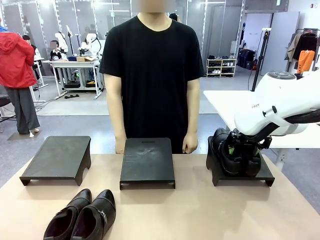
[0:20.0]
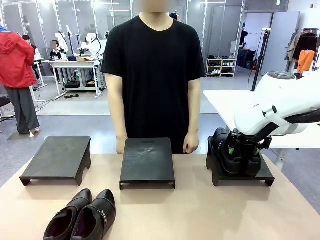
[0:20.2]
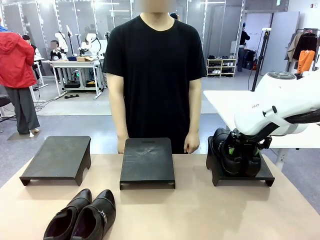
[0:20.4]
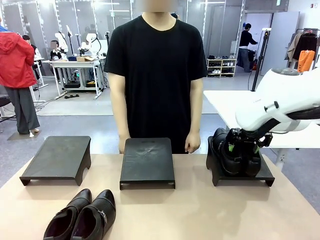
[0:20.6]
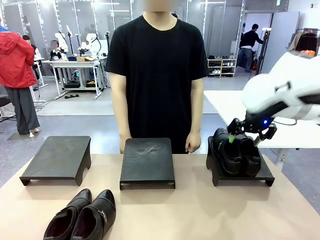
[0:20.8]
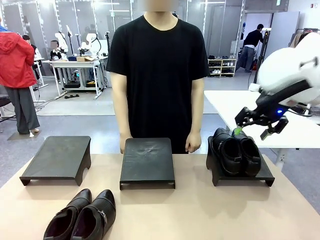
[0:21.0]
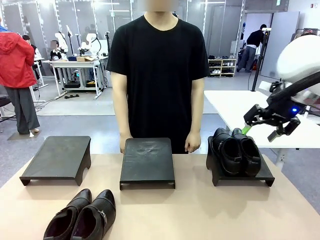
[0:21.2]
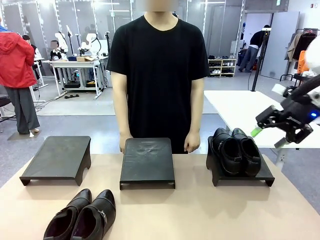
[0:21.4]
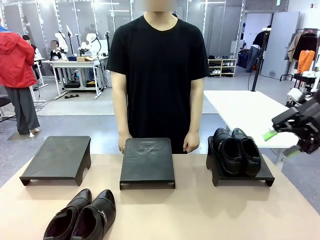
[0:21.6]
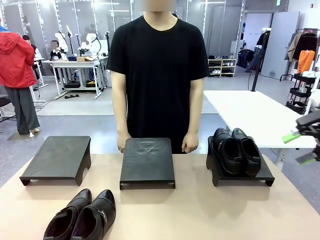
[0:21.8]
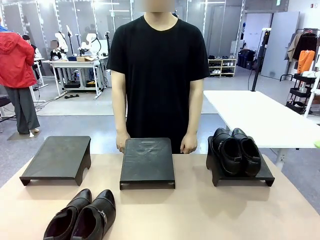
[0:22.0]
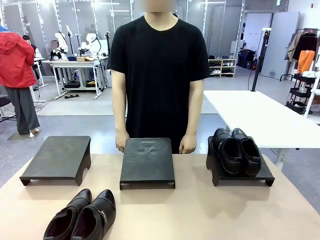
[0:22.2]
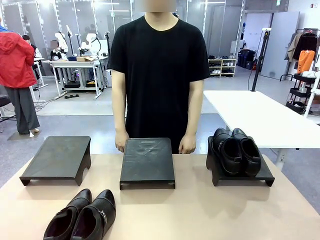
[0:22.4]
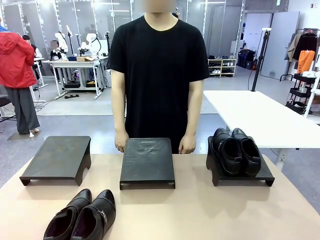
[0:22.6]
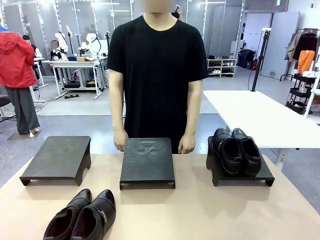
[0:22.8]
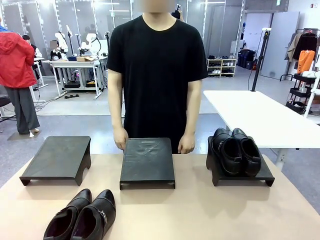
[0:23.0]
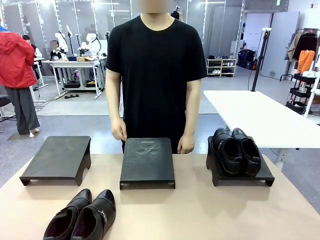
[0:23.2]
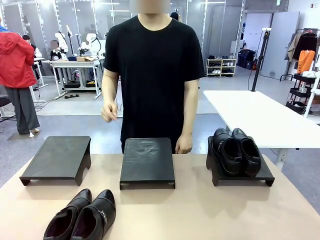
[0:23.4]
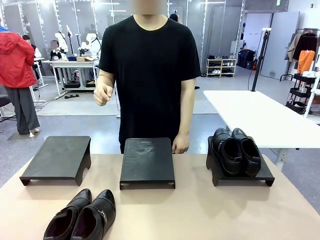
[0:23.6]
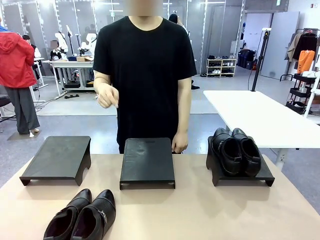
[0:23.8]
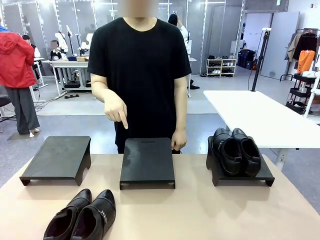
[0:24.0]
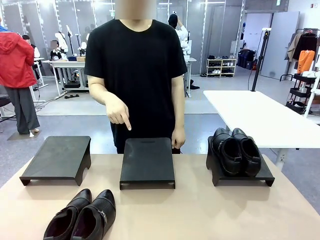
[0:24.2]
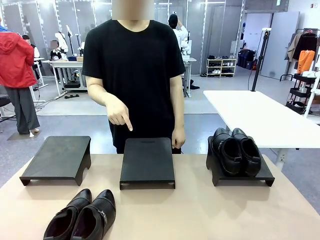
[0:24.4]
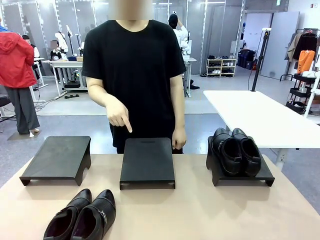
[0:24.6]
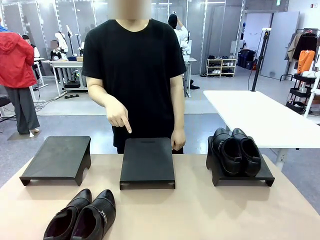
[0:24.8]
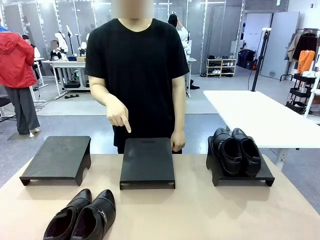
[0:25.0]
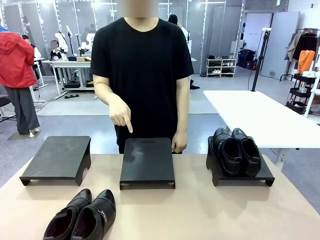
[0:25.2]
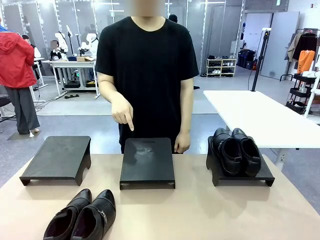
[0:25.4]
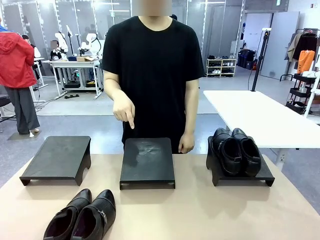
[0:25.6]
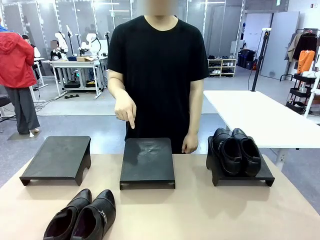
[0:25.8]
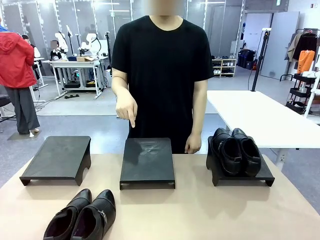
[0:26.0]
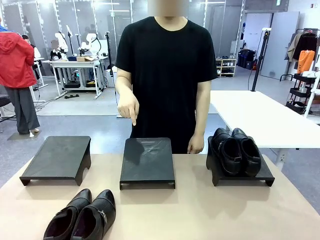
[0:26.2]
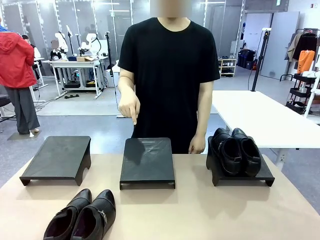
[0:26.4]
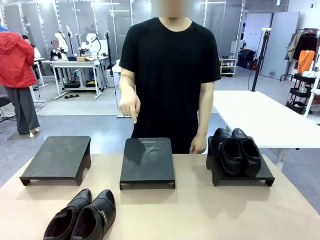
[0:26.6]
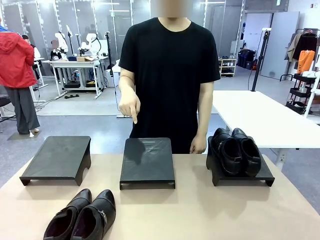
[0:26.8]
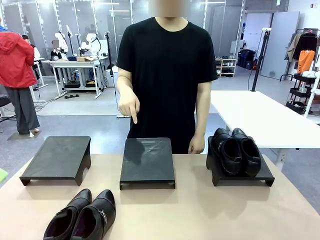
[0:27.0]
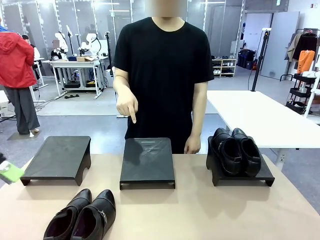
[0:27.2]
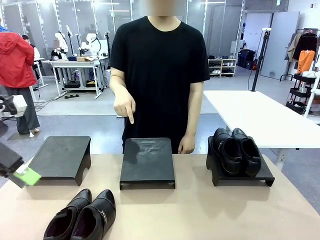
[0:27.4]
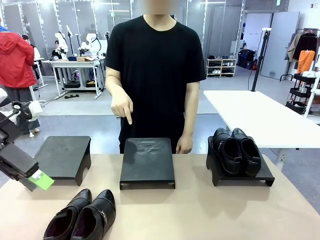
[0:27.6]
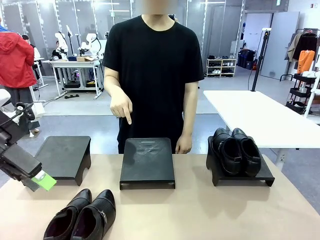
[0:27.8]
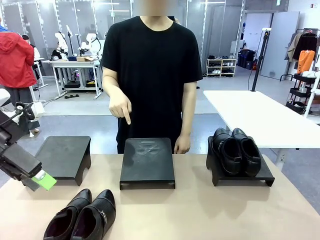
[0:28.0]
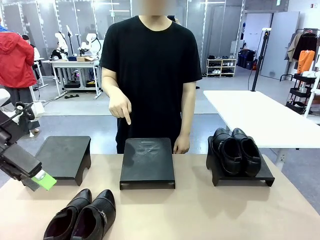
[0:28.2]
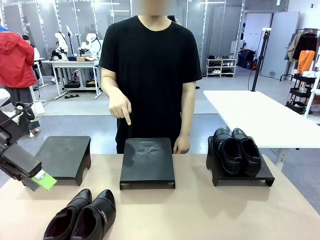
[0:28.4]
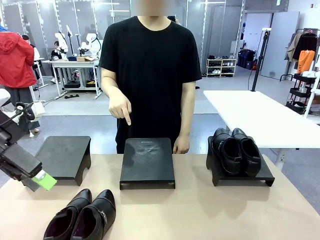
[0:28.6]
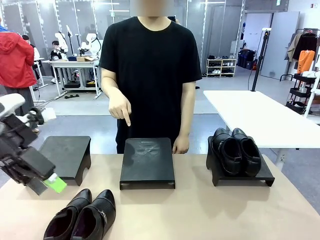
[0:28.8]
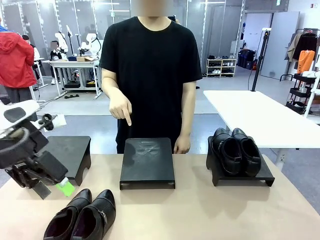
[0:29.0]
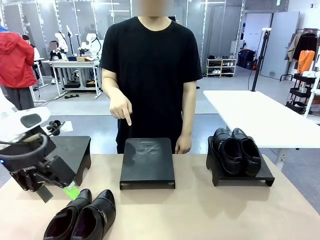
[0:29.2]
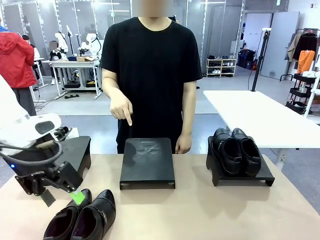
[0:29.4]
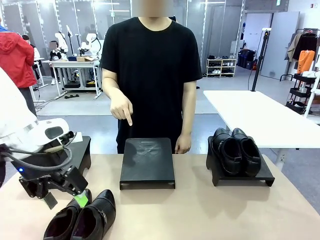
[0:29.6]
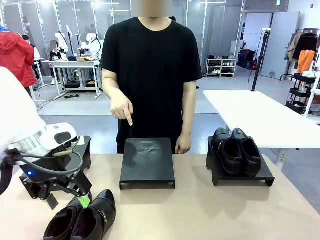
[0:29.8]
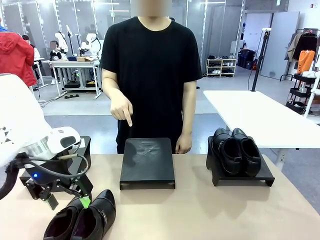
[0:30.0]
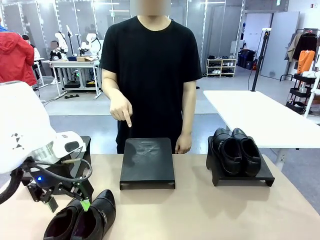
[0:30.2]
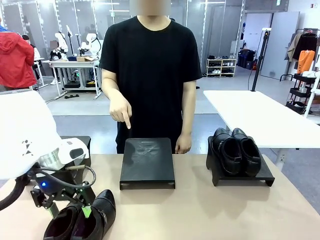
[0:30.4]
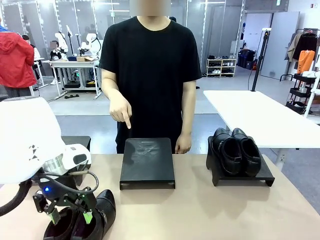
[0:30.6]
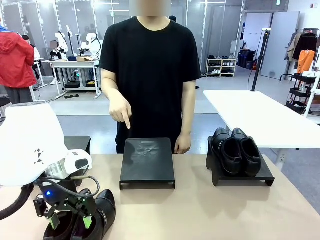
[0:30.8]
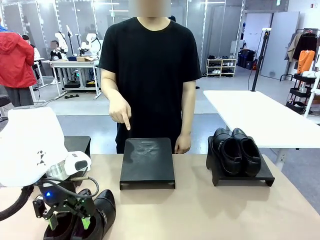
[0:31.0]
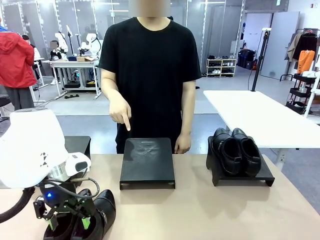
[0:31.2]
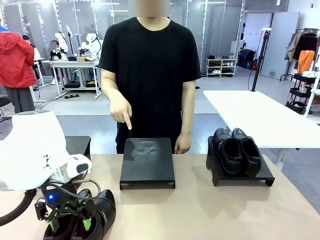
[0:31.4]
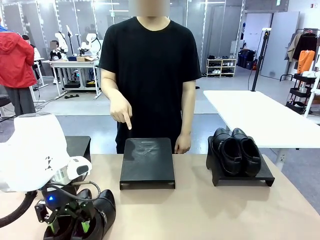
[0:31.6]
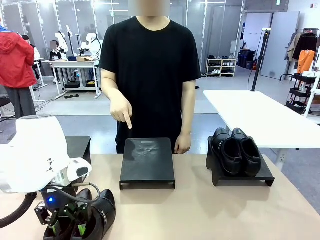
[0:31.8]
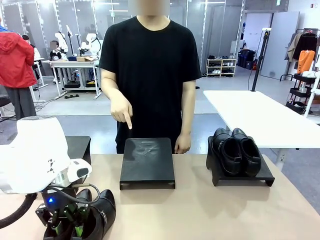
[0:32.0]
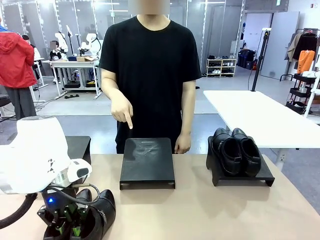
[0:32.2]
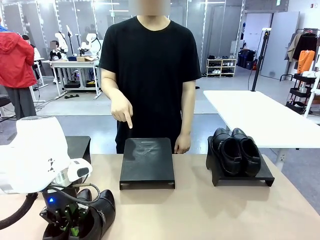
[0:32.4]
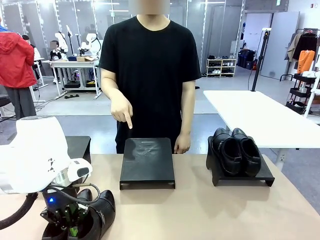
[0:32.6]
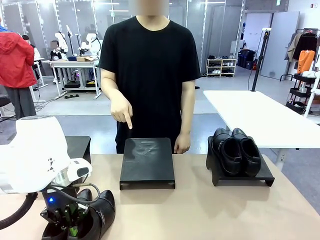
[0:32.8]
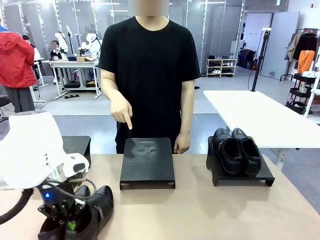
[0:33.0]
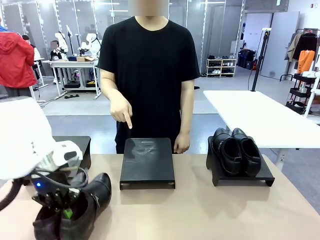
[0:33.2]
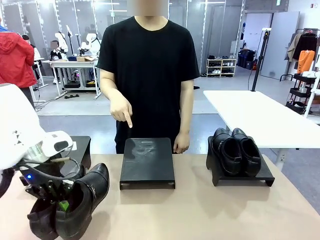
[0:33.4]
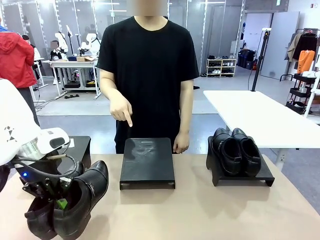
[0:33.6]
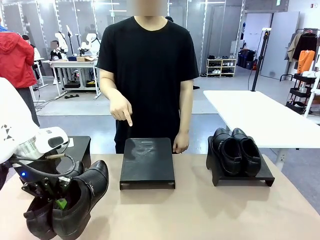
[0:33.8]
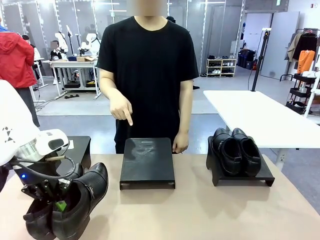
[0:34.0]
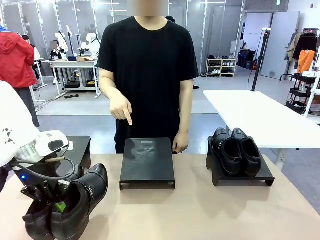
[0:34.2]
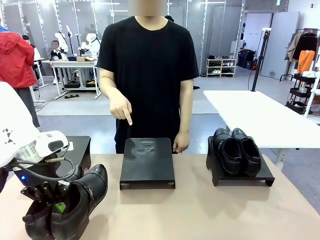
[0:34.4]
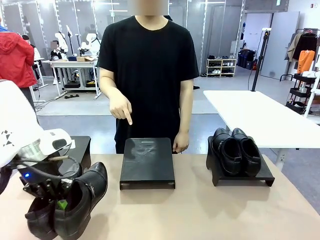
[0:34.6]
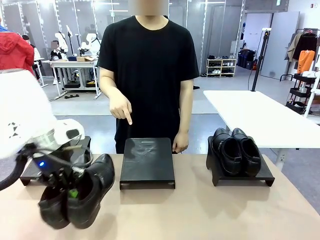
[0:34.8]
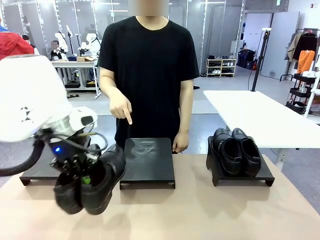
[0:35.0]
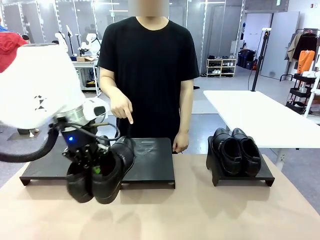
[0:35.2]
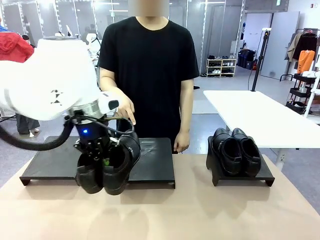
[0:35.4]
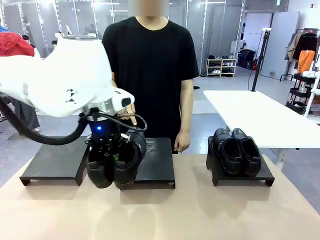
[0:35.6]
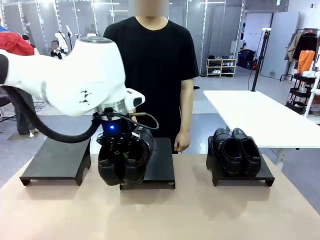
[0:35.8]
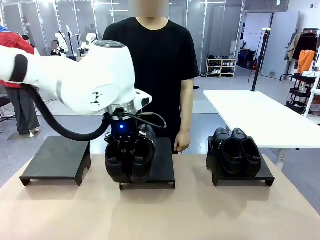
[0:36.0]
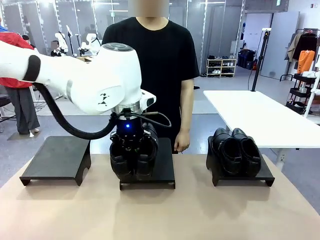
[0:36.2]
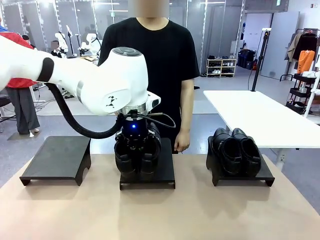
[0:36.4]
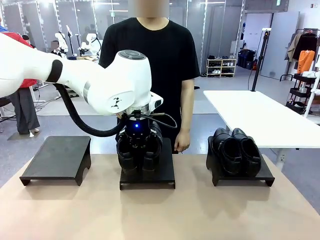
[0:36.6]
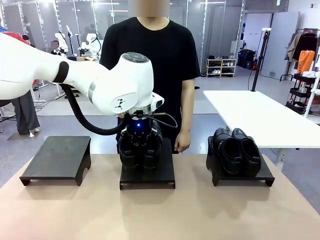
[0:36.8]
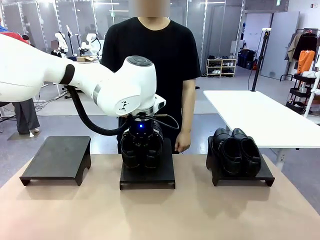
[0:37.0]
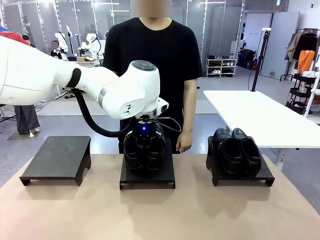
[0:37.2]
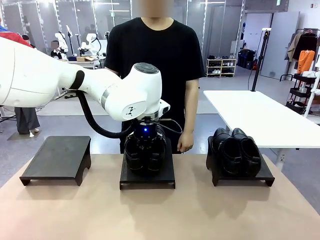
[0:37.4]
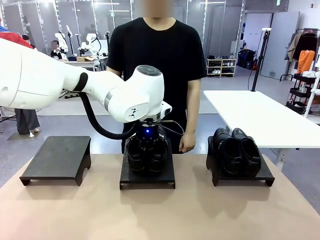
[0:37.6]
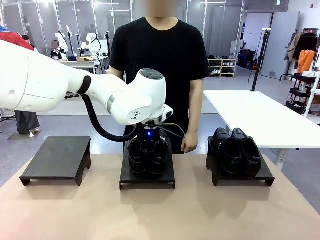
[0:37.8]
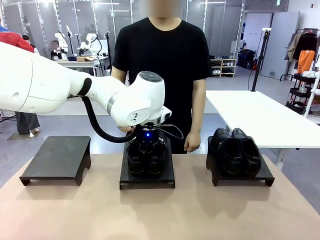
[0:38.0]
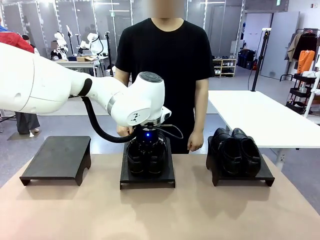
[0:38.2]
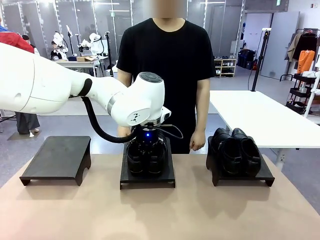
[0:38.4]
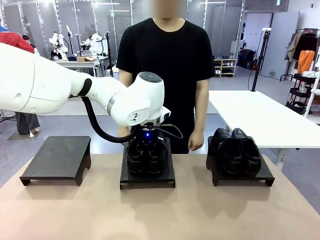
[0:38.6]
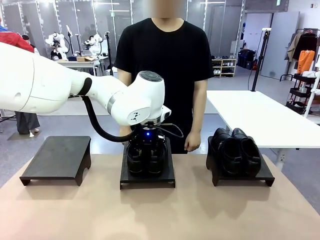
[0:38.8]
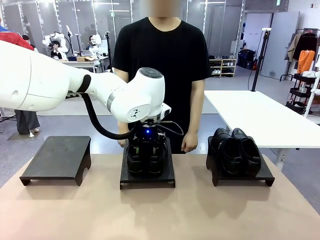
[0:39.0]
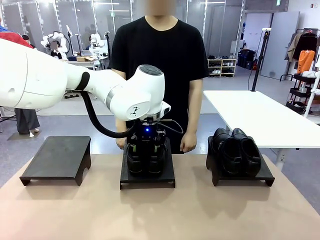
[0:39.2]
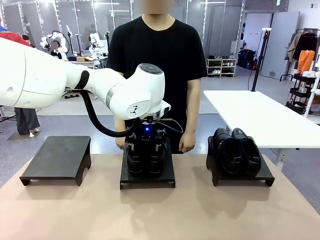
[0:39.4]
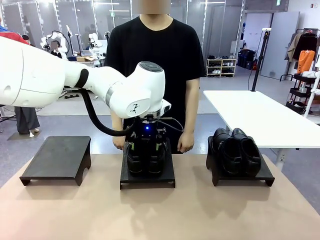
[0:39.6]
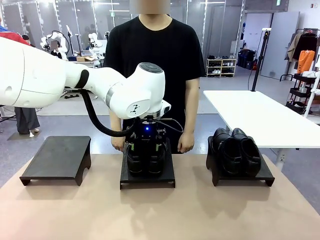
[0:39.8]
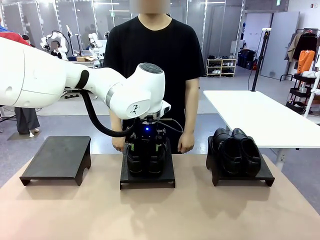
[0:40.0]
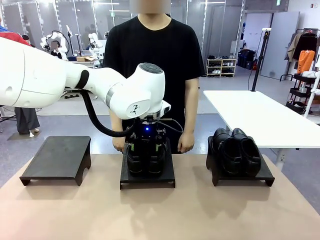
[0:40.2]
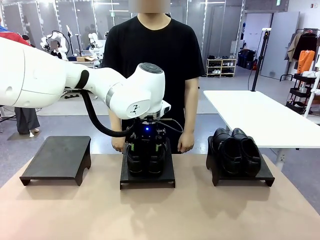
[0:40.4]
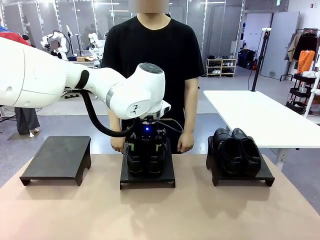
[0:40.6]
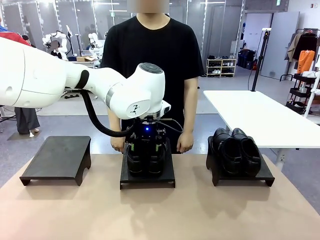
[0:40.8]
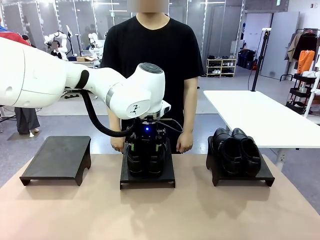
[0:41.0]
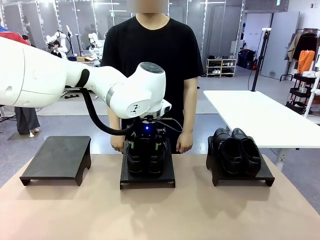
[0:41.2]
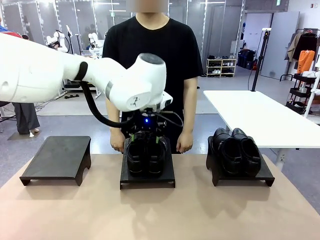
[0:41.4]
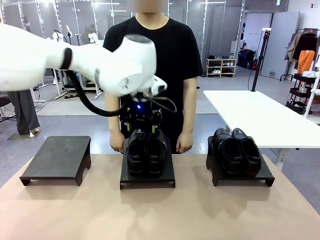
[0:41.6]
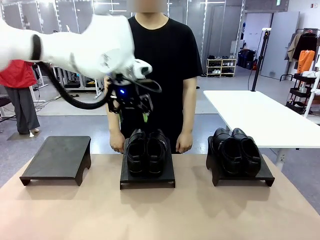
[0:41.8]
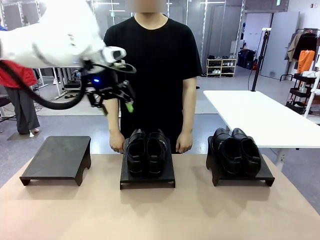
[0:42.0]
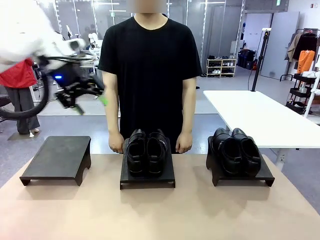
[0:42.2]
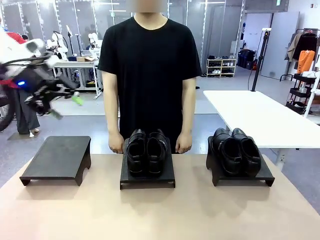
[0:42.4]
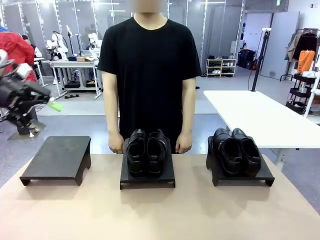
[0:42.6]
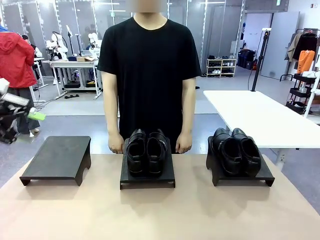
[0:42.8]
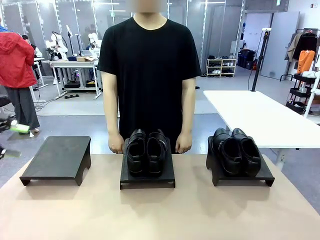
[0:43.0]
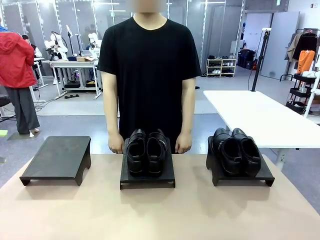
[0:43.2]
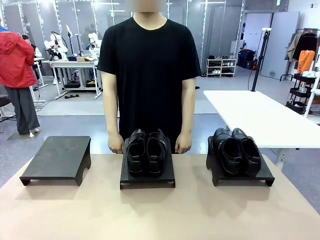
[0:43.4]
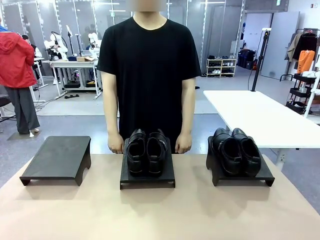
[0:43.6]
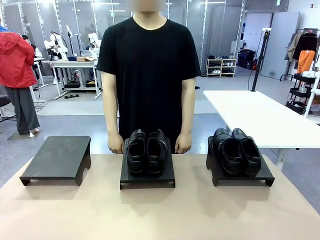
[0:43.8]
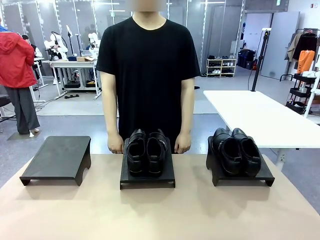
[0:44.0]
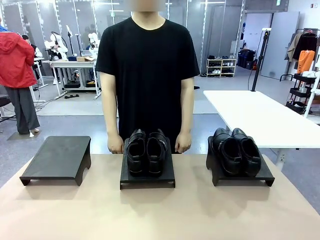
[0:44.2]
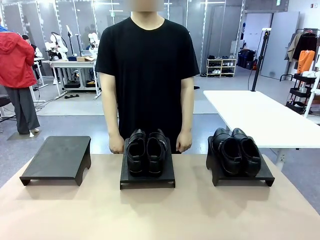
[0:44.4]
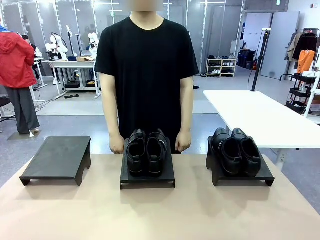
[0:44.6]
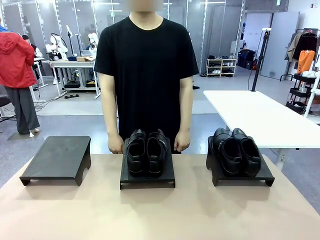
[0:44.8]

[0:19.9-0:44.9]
Task: Place the shoes on the stand as instructed by the person.
Robot: Pick up another pair of Shoes and place it on the Shoes Stand indicated by the person.
Person: Point to one Shoes Stand.
